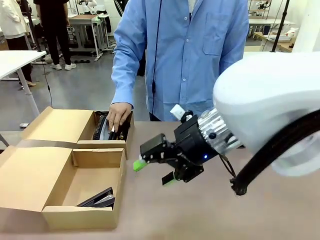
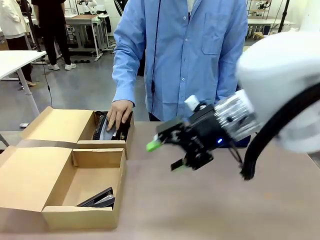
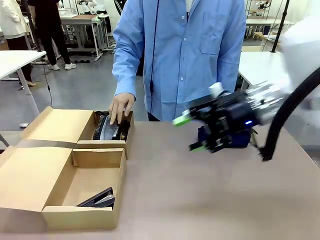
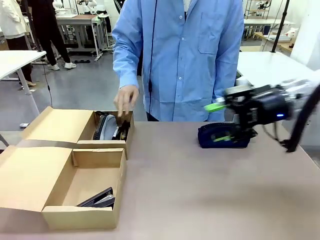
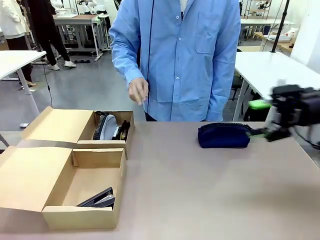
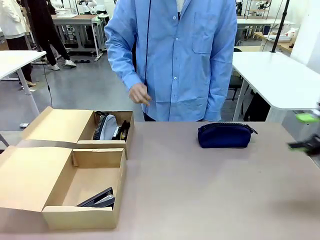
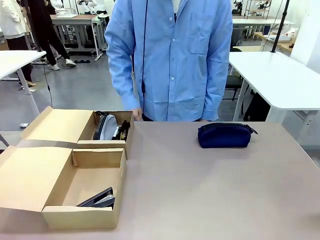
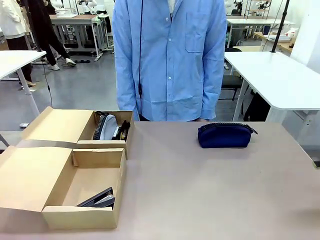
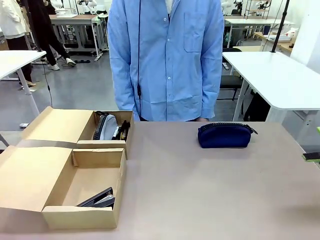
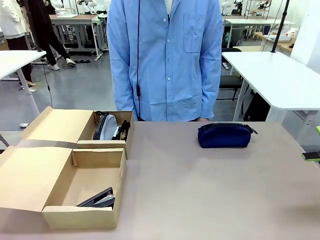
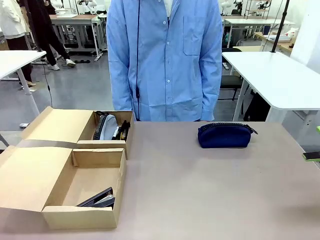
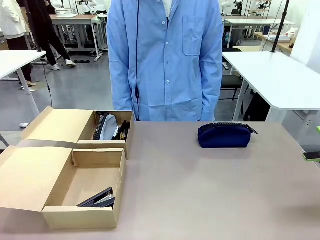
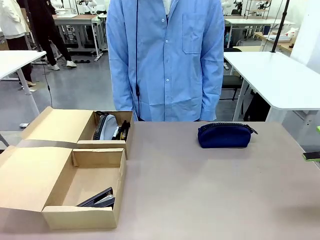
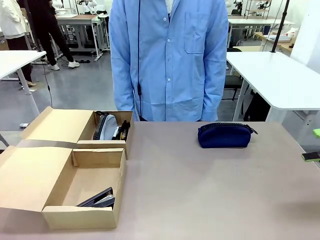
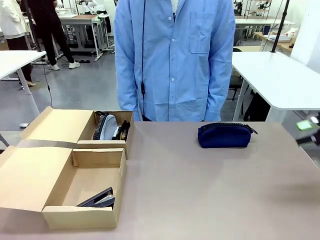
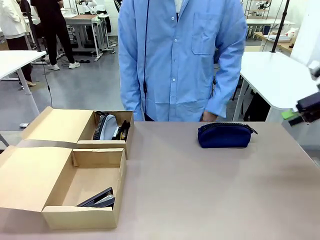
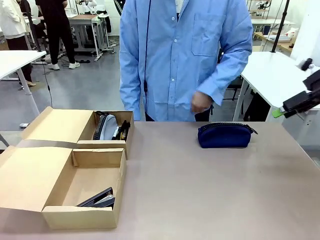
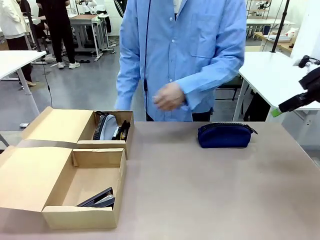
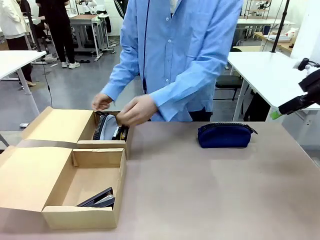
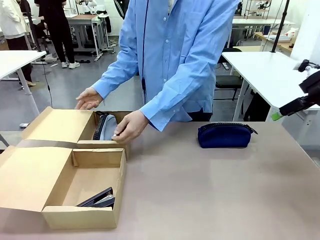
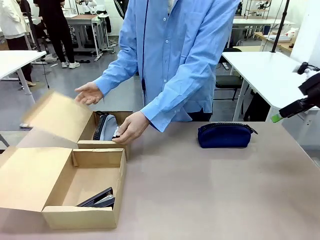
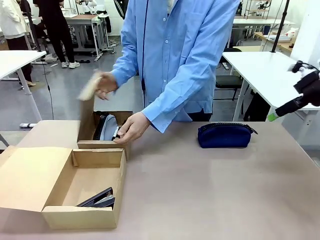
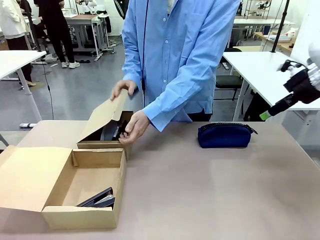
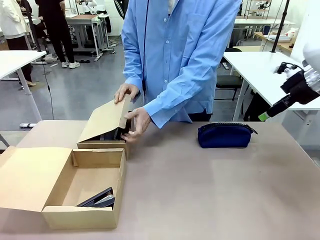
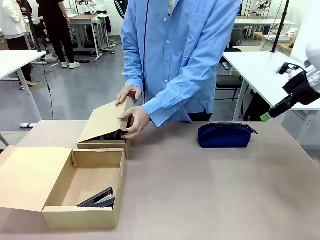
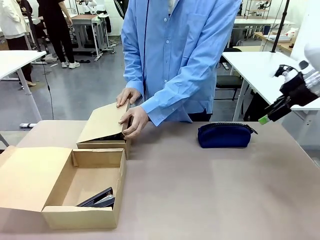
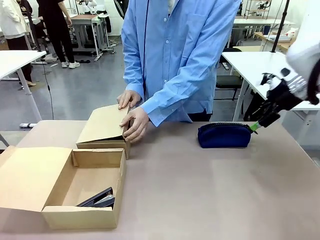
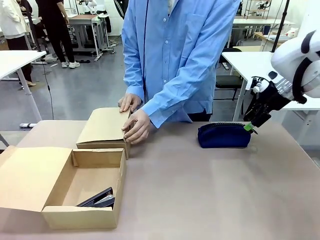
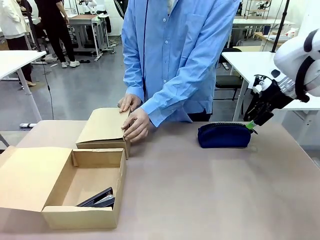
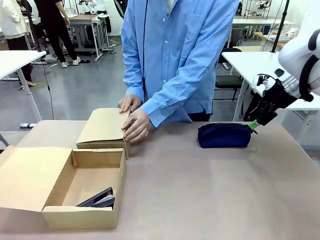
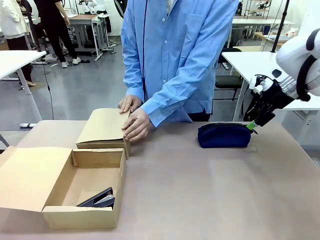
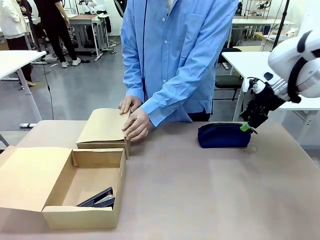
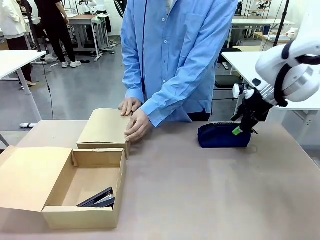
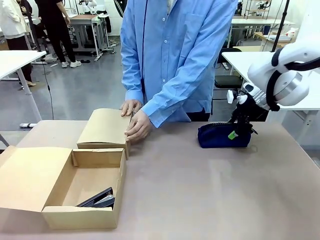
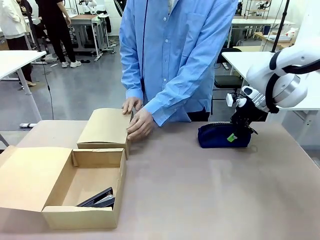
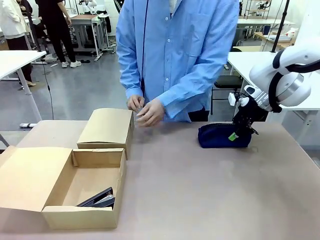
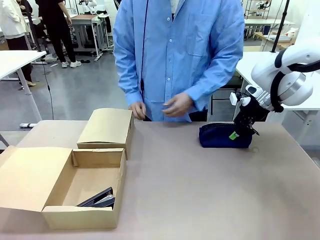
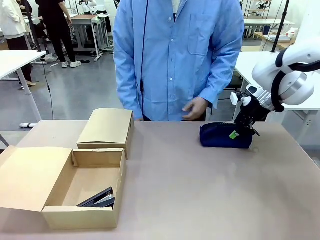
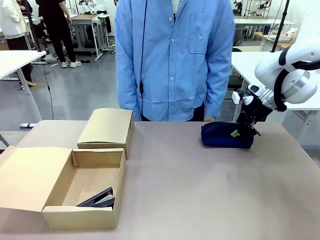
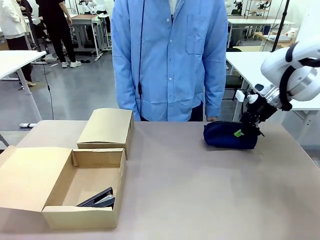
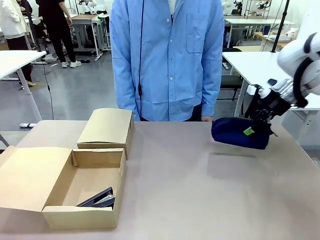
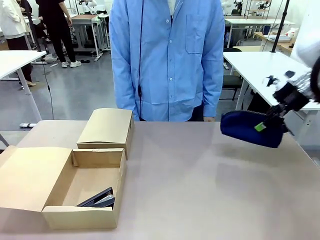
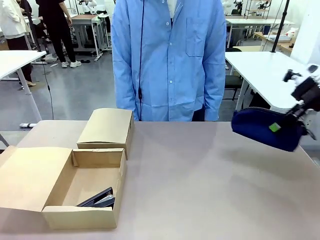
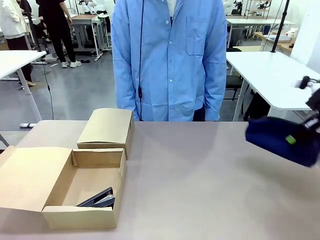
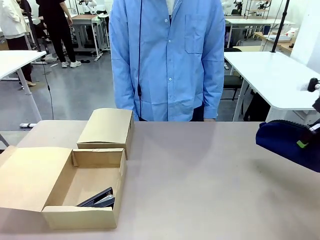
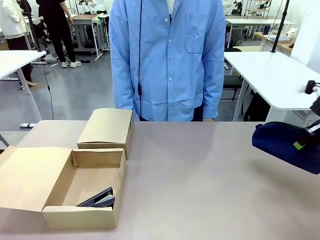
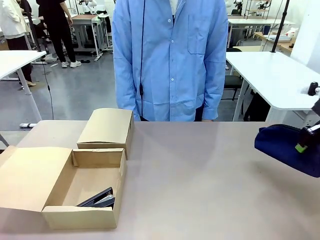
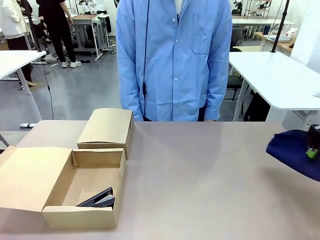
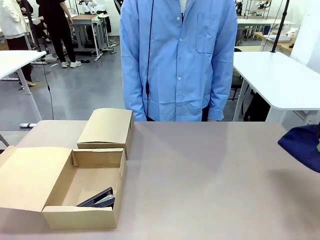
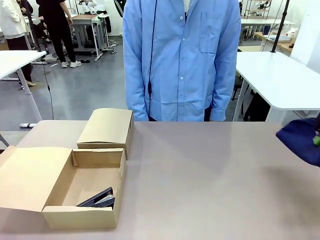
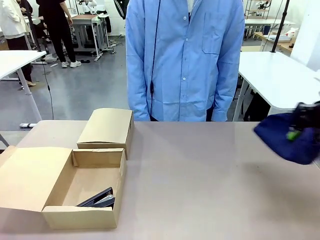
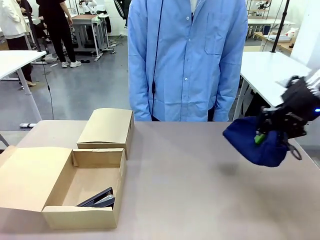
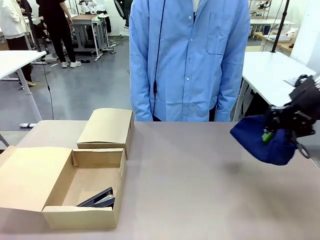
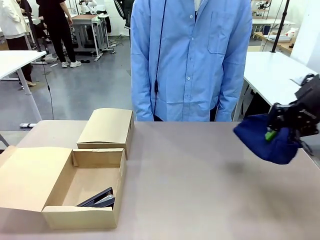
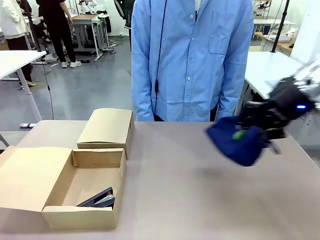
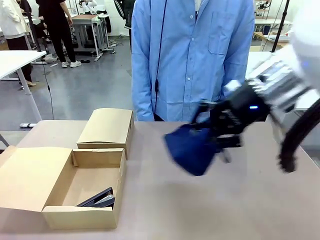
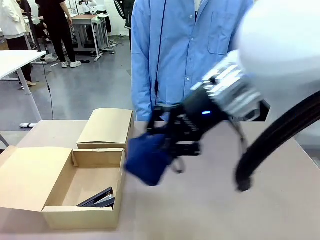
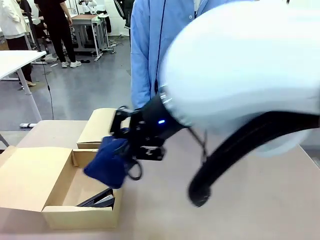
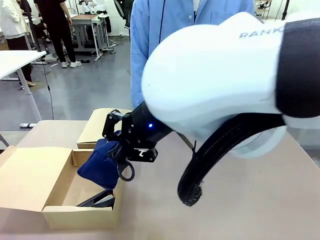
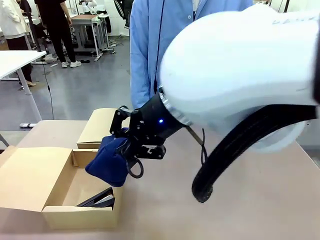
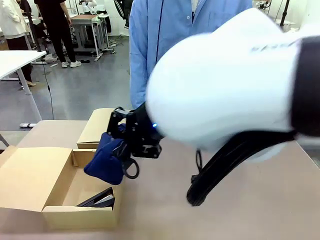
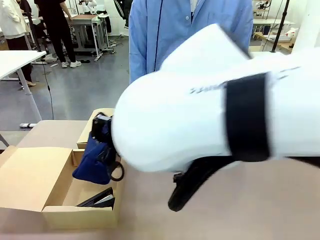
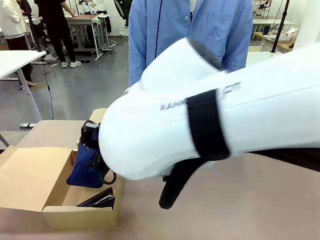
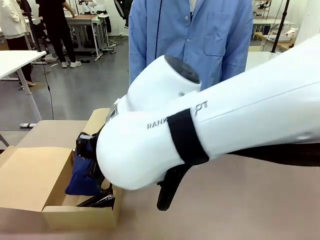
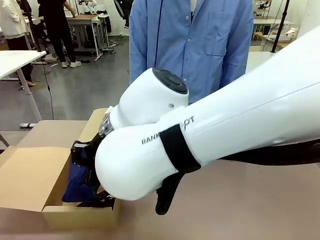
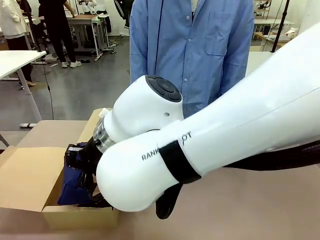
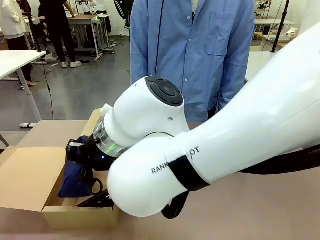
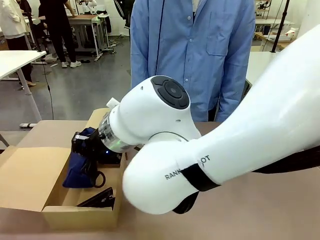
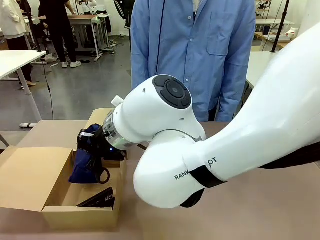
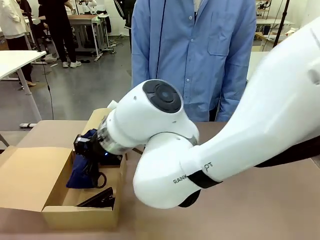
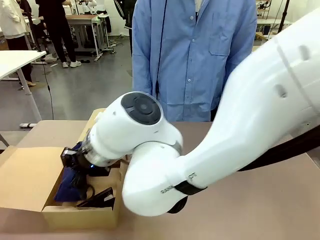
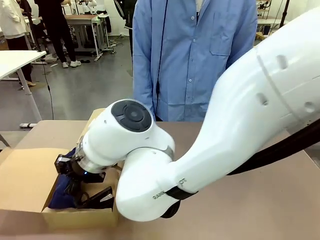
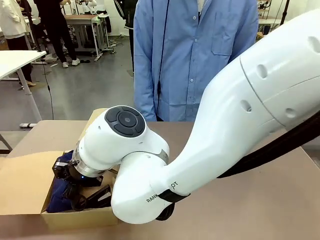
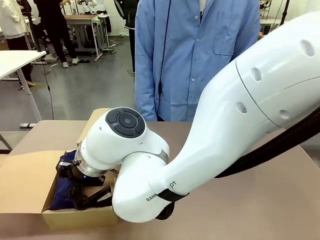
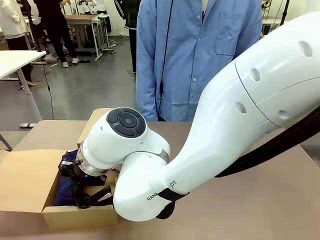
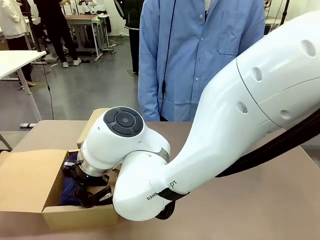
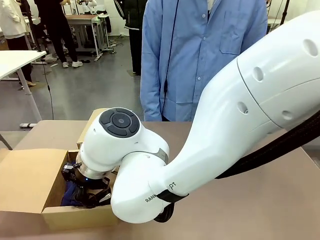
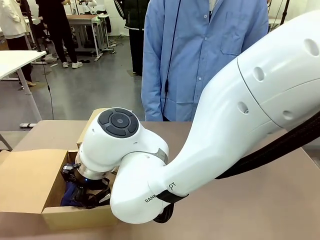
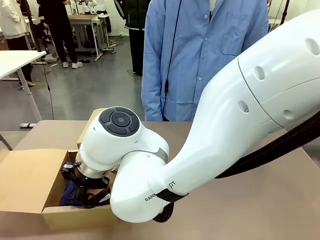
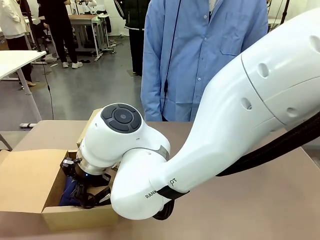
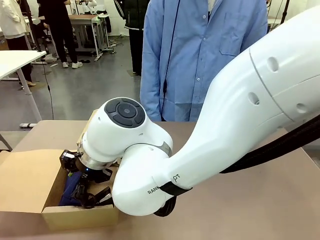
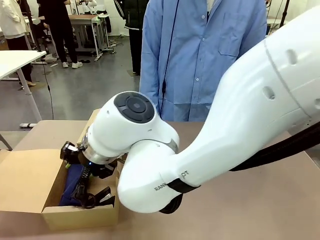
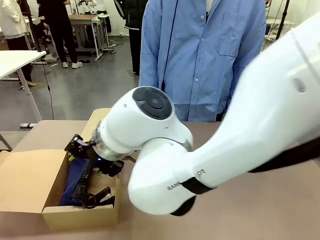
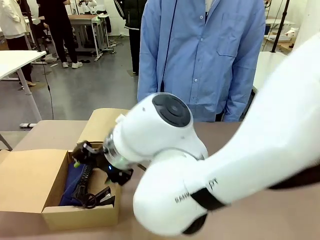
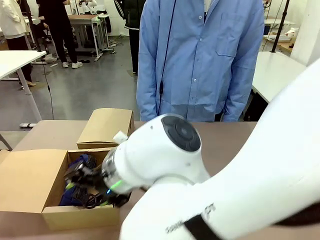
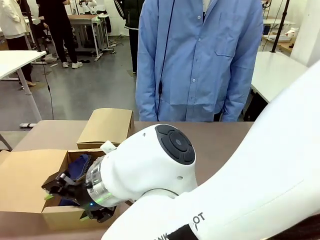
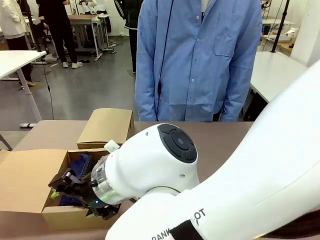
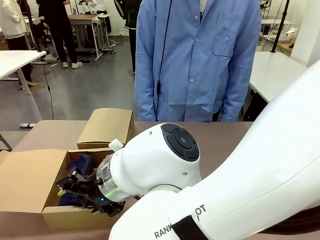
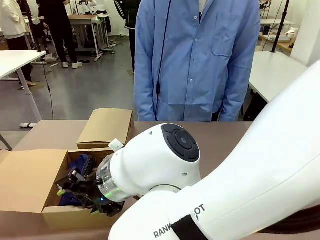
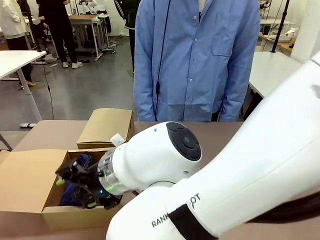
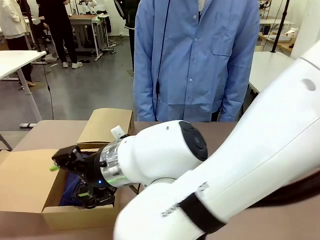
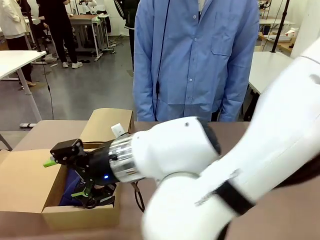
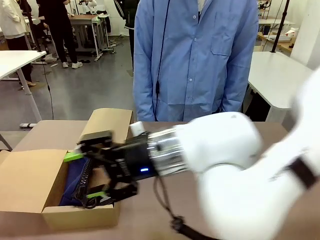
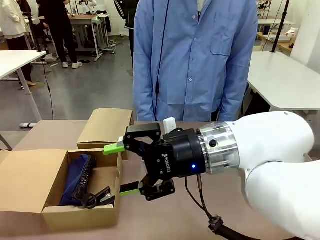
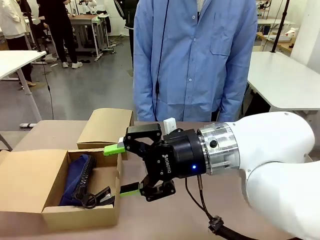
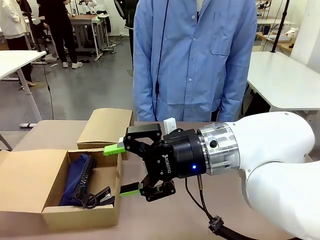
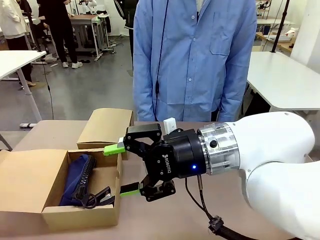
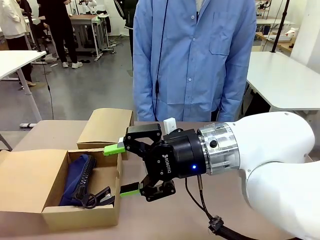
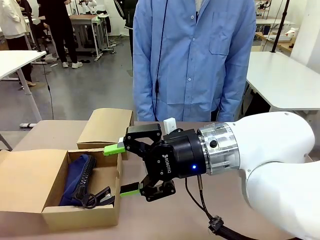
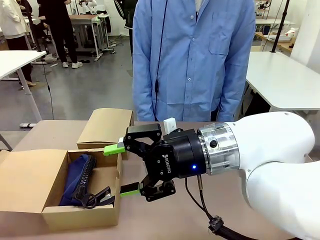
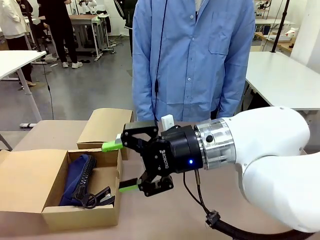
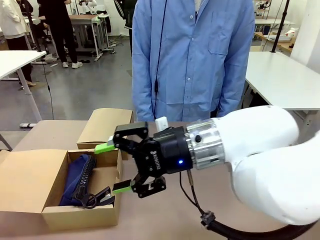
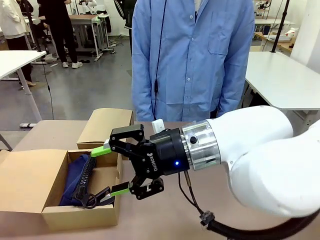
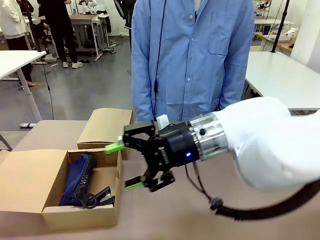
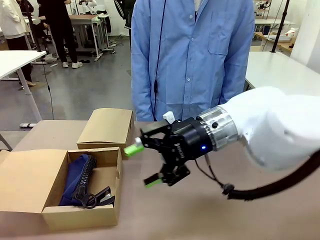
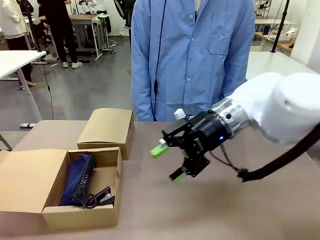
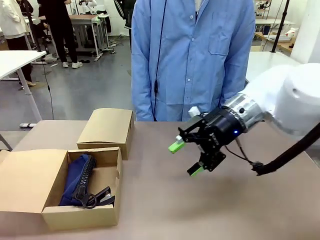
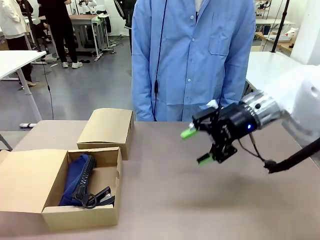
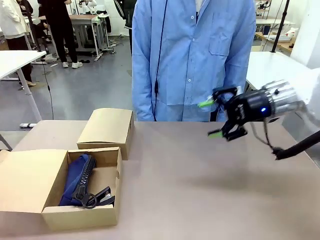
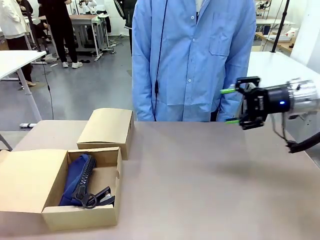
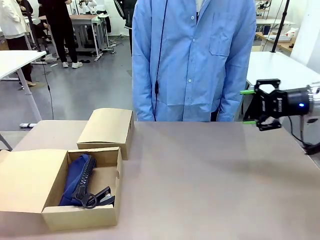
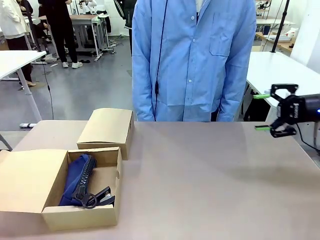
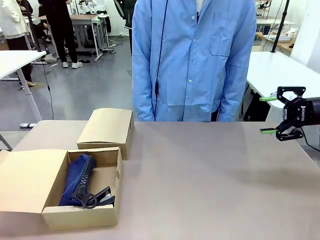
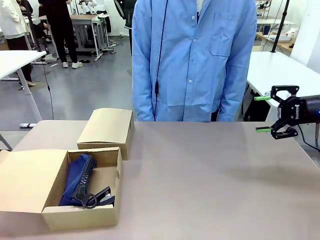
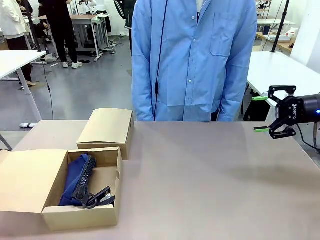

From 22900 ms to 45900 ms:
Task: Place items inside the box.
Robot: Pick up a Pencil pouch or Stapler and place it inside the Mailer Box closest to the robot.
Person: Close the lid of the box facing the person.
